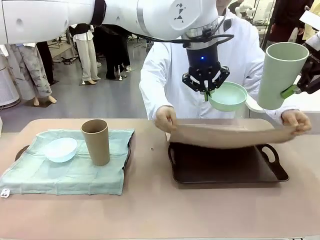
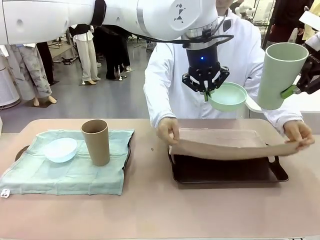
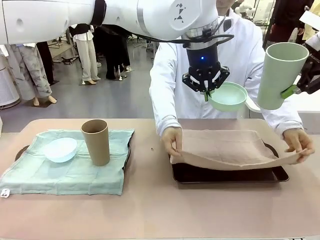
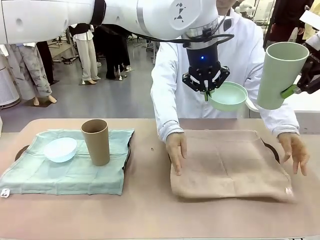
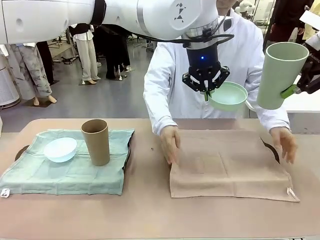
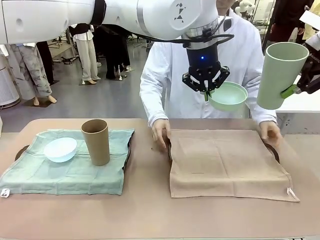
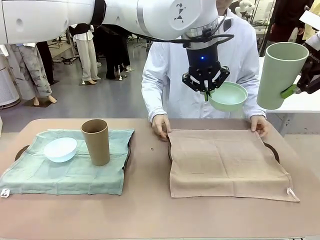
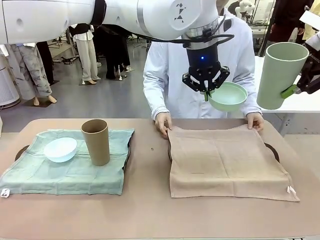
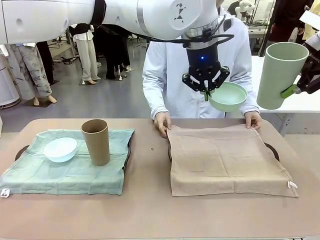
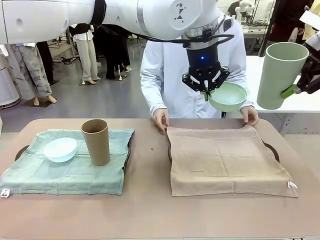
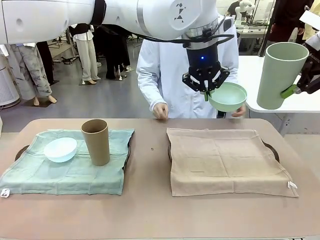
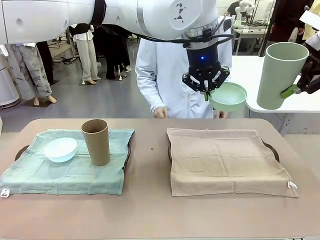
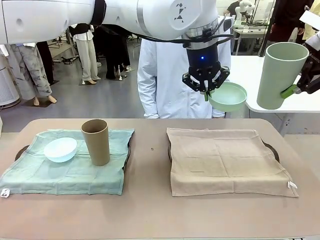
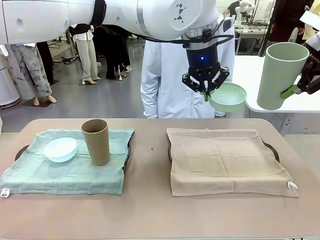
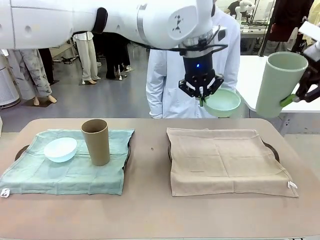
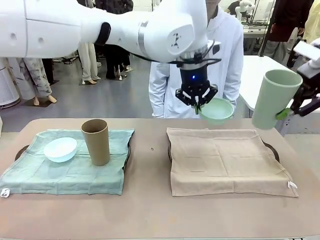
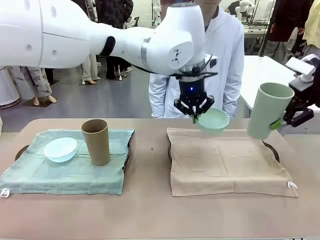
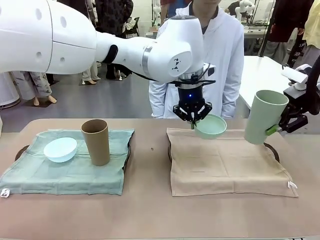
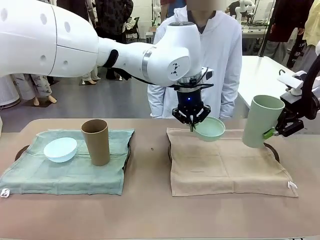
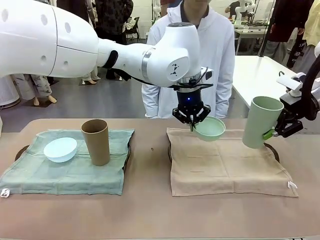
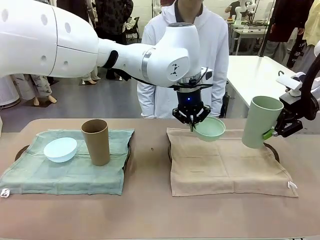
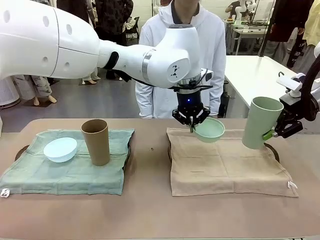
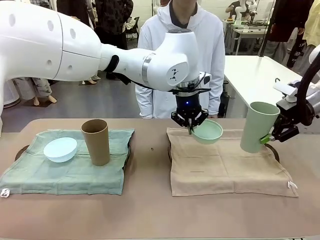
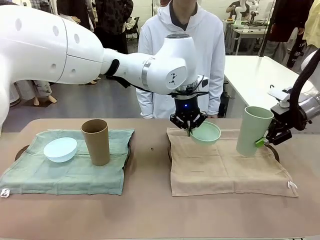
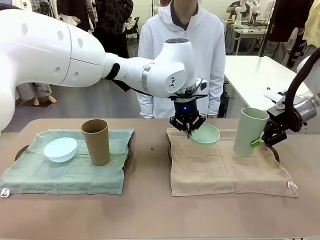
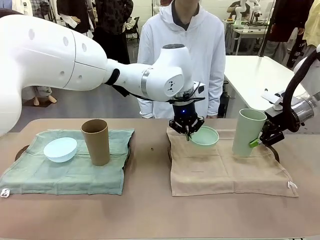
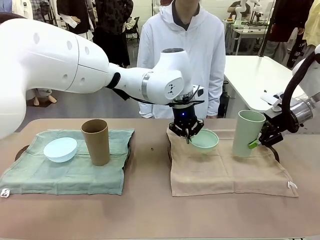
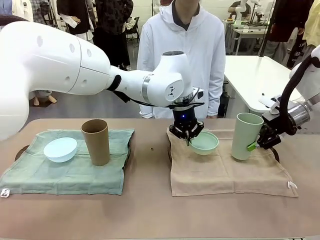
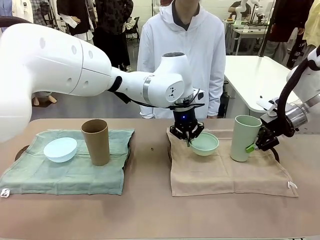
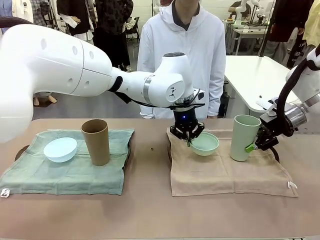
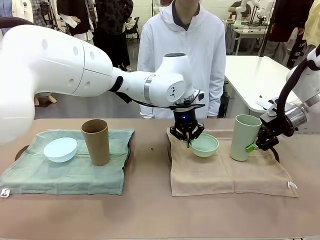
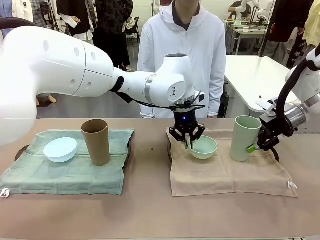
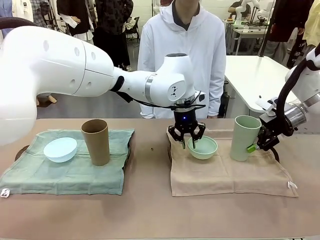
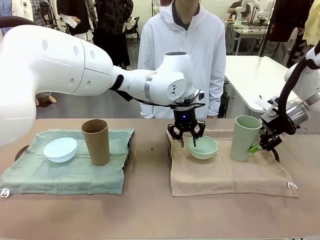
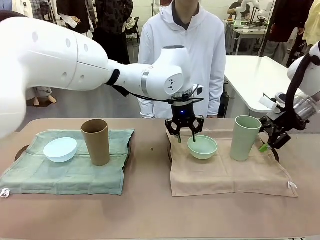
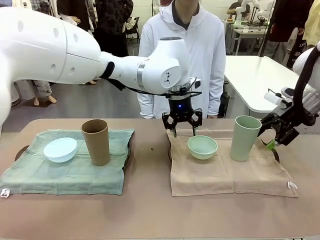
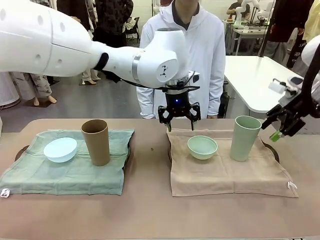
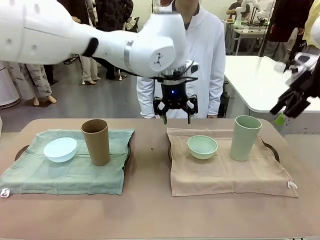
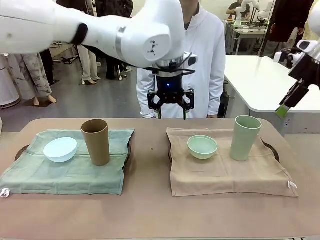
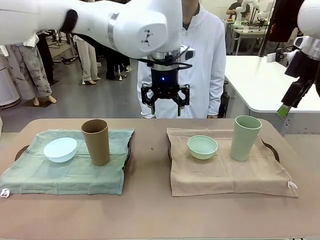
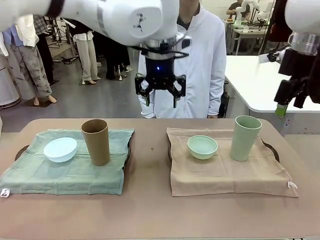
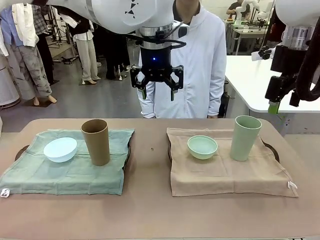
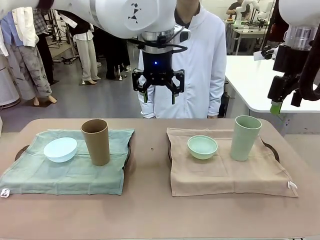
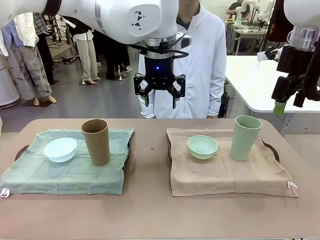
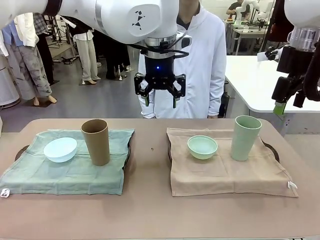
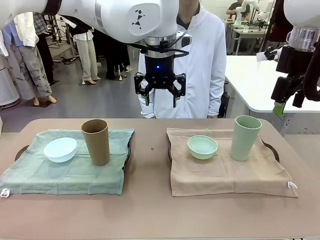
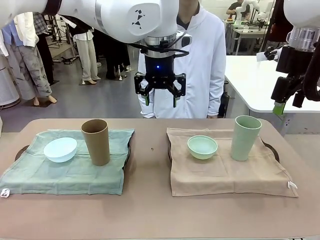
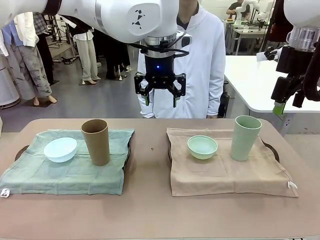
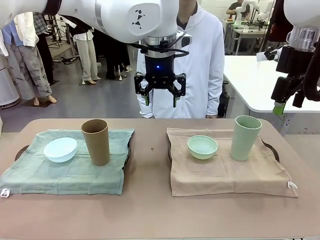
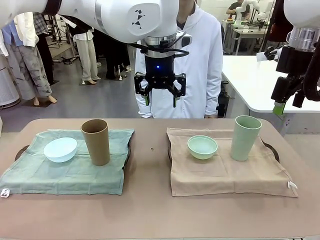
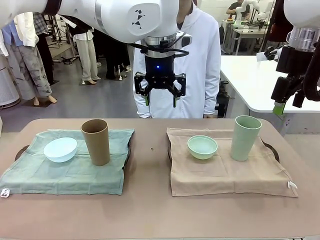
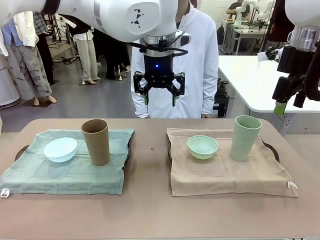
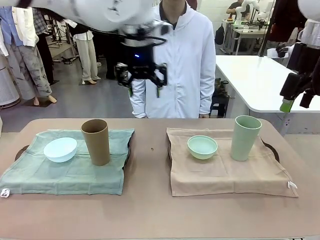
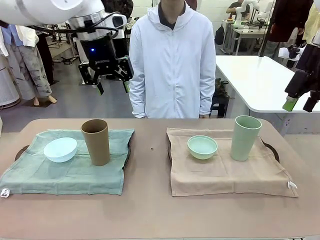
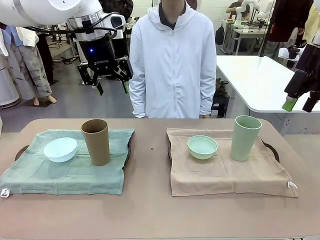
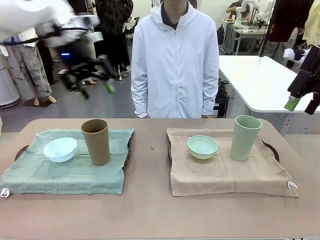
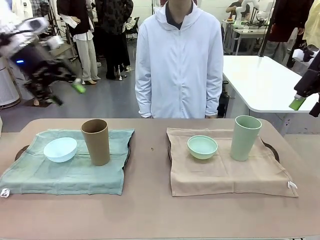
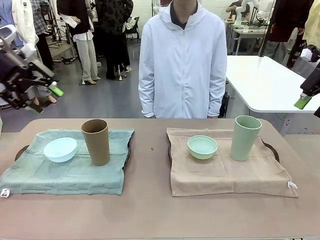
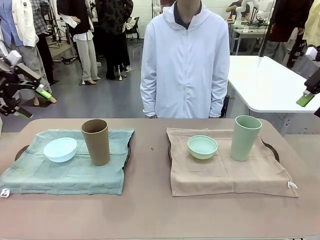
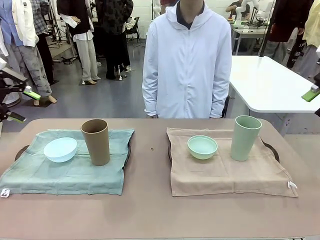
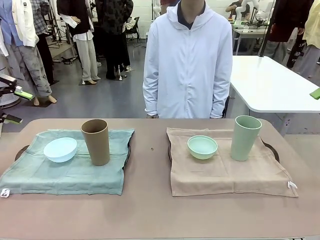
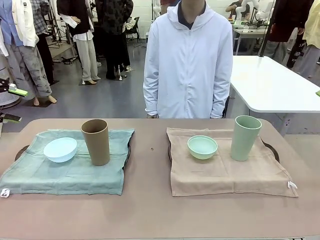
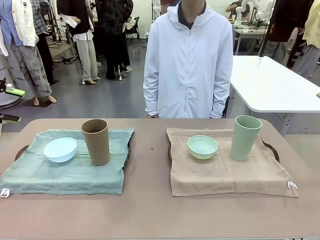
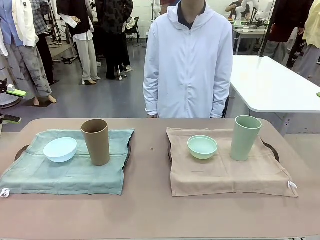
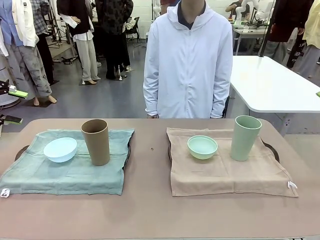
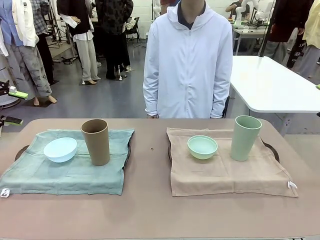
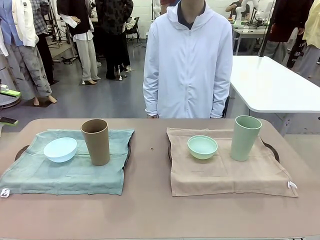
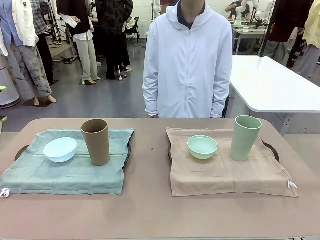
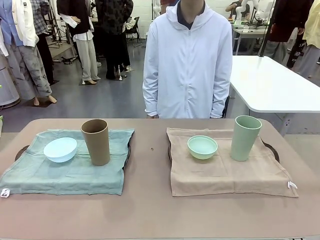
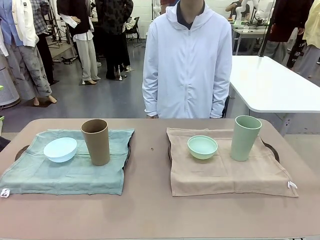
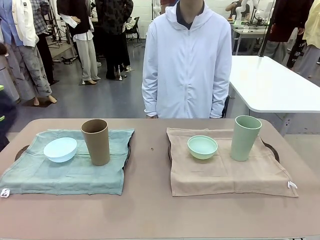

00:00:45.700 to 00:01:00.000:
Robot: Place the Picnic Bowl and Reusable plastic cup back onto the Handle tray in front of the human's position.
Person: When the robot lifts the bowl and the cup, the human unfolds the napkin and lays the napkin flat on the tray.

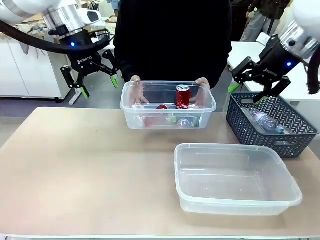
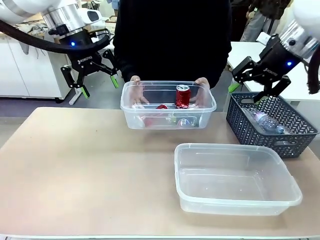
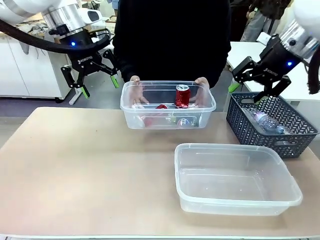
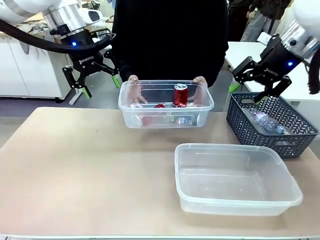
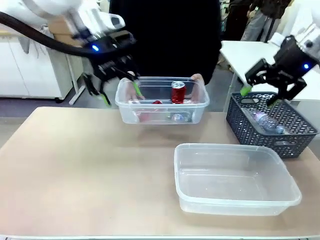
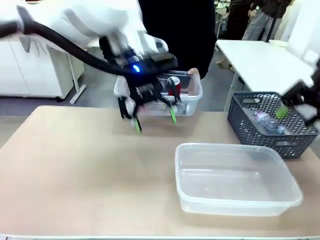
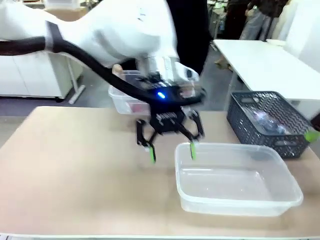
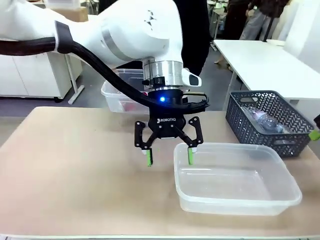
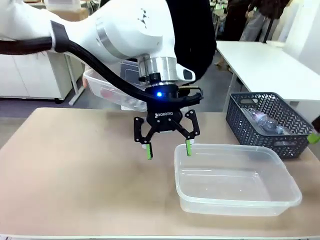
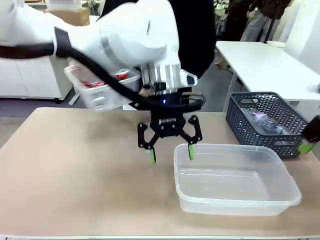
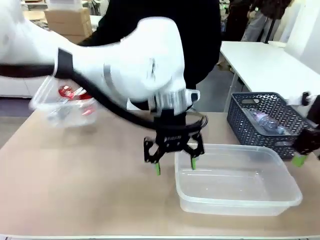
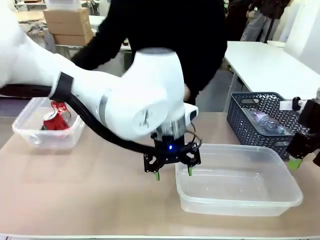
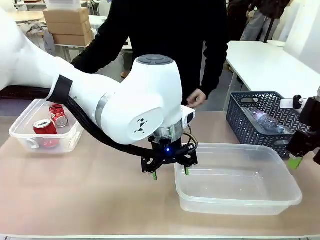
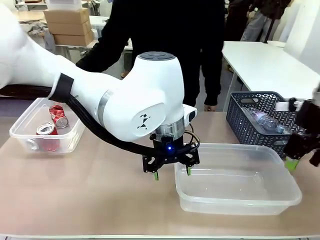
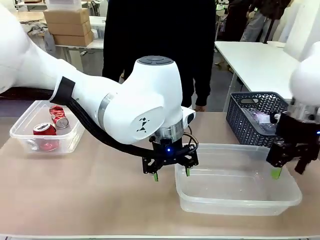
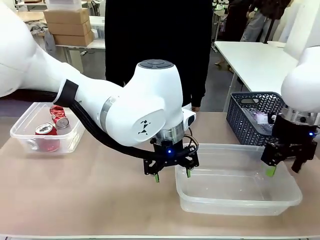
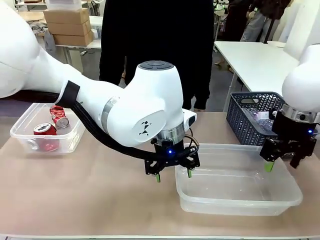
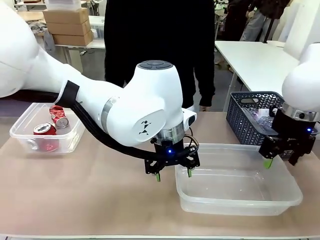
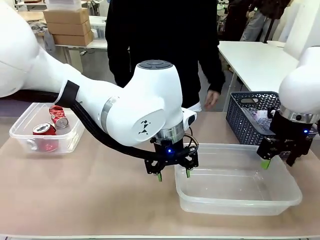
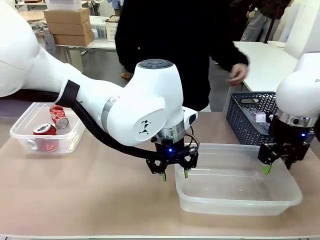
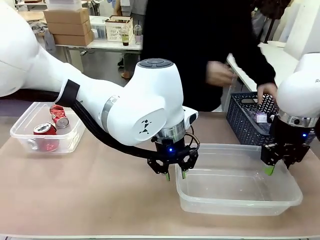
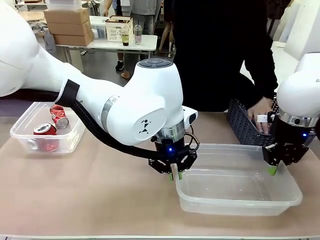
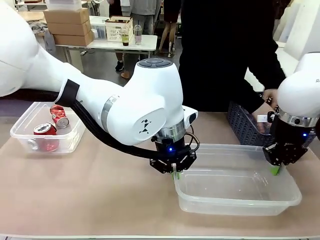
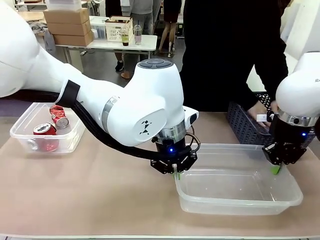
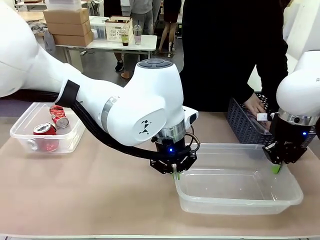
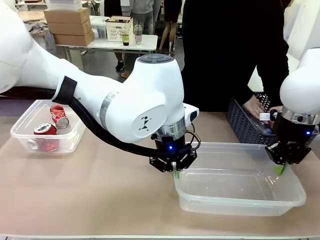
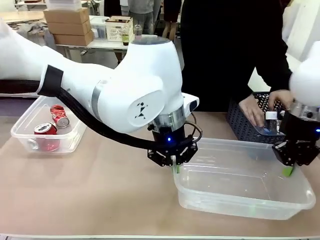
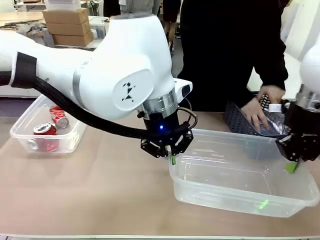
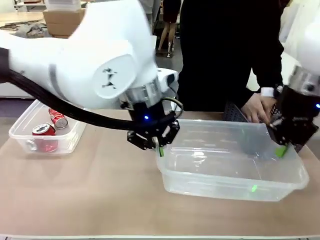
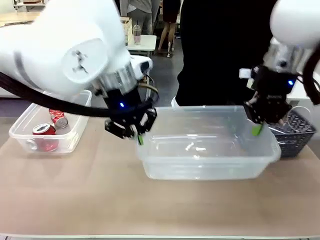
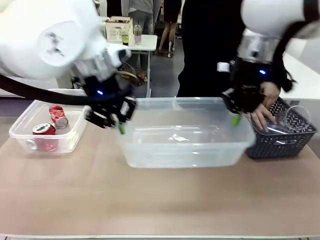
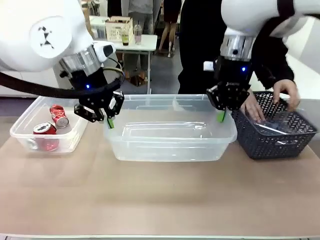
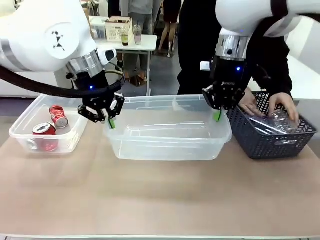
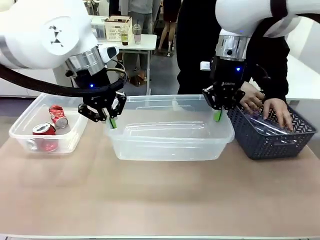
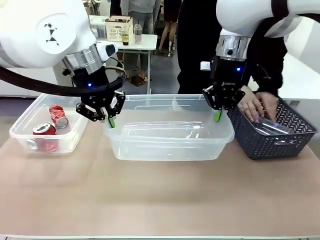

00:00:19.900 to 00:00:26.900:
Robot: Pick up the Organizing box on the right side of the table and lift it.
Person: Place it at the edge of the bottom right area of the robot table.
